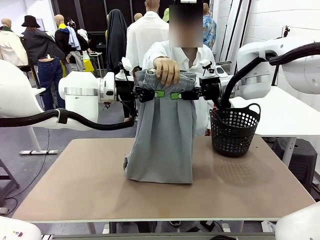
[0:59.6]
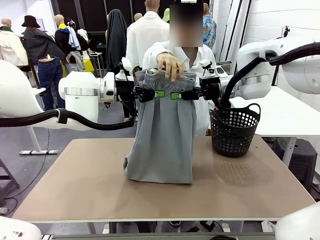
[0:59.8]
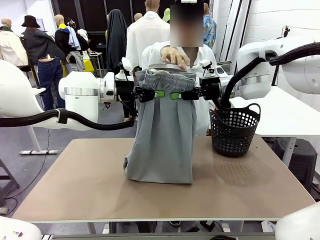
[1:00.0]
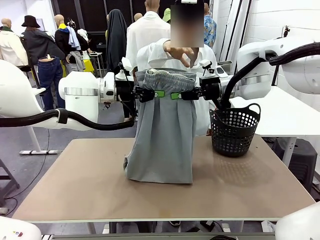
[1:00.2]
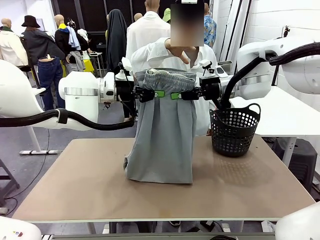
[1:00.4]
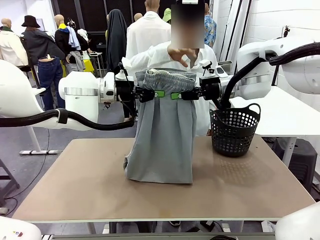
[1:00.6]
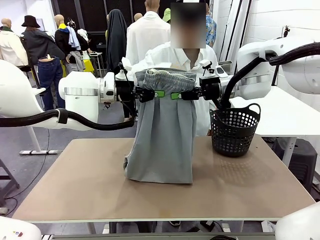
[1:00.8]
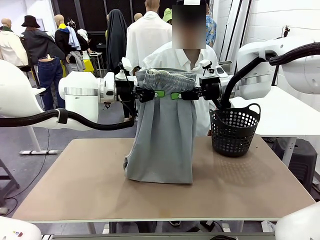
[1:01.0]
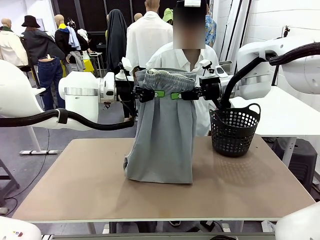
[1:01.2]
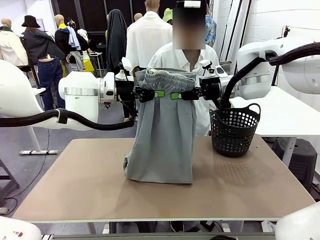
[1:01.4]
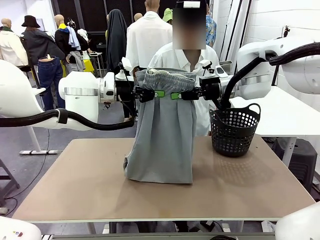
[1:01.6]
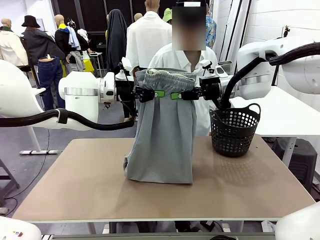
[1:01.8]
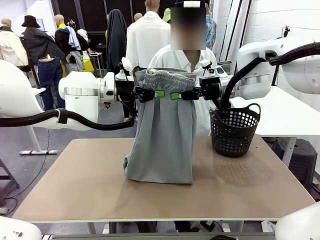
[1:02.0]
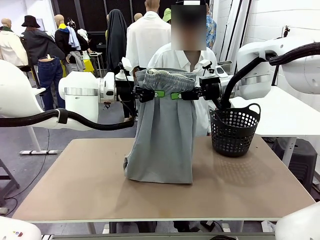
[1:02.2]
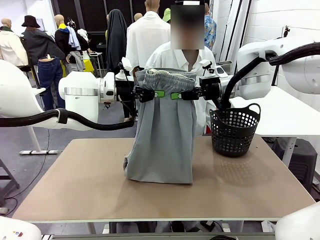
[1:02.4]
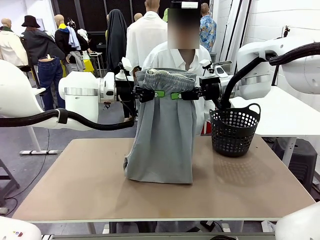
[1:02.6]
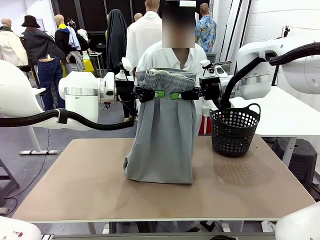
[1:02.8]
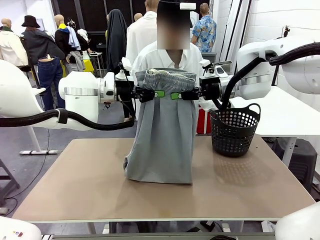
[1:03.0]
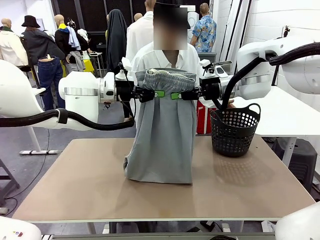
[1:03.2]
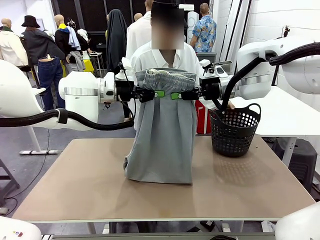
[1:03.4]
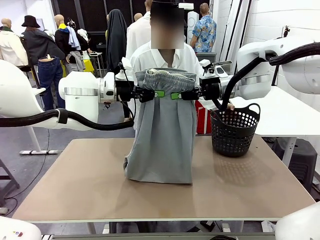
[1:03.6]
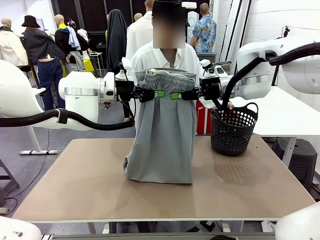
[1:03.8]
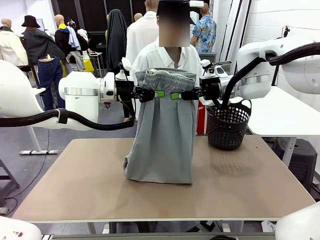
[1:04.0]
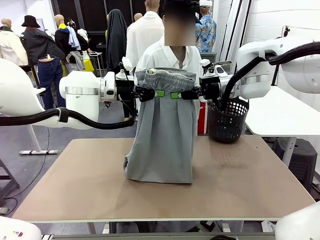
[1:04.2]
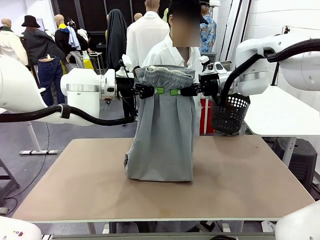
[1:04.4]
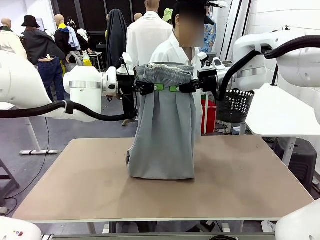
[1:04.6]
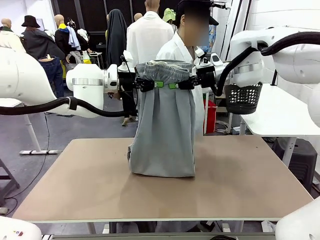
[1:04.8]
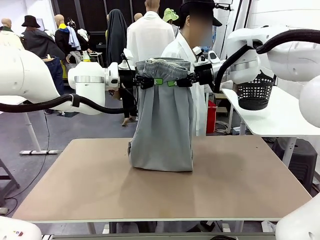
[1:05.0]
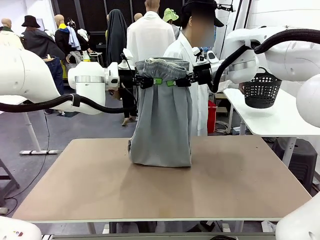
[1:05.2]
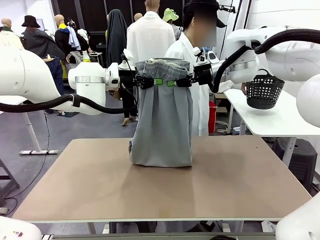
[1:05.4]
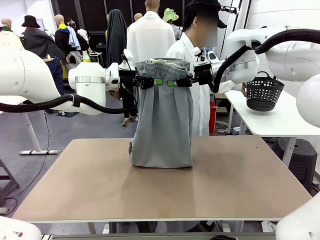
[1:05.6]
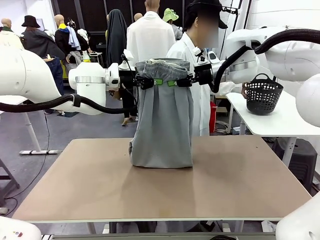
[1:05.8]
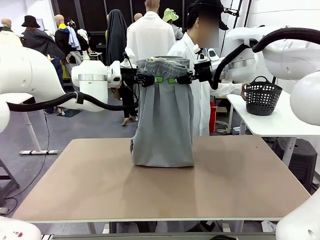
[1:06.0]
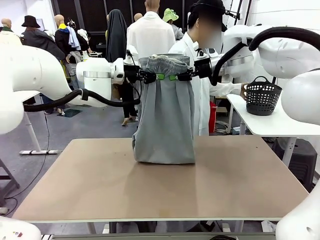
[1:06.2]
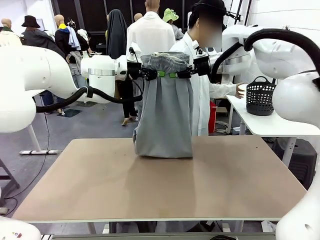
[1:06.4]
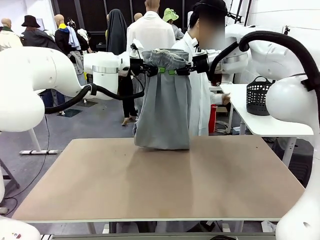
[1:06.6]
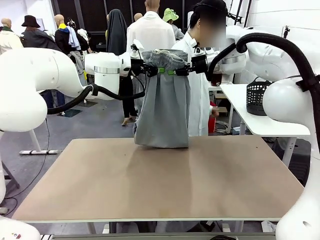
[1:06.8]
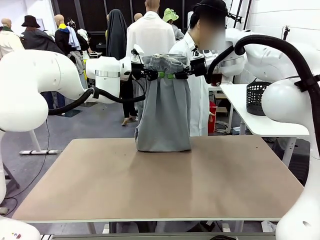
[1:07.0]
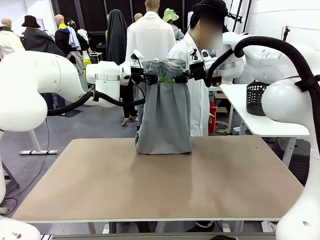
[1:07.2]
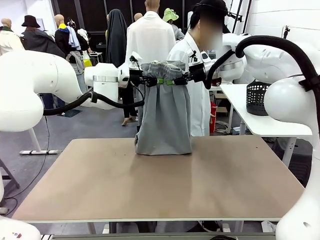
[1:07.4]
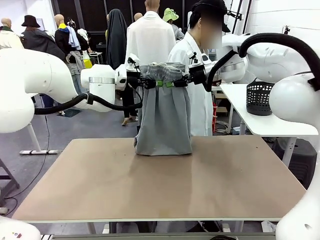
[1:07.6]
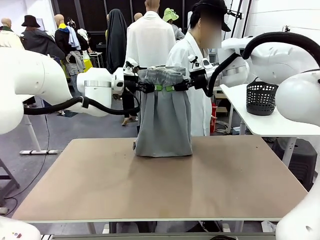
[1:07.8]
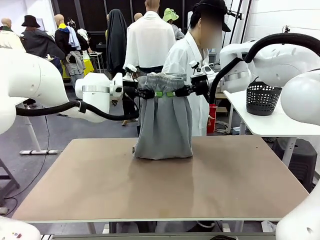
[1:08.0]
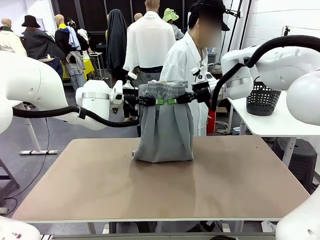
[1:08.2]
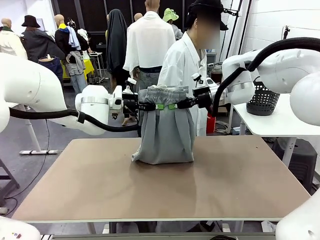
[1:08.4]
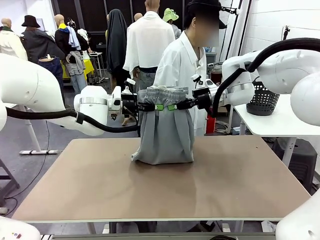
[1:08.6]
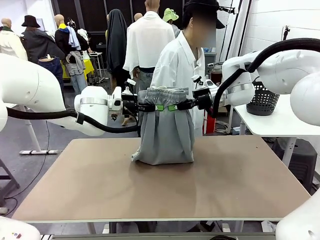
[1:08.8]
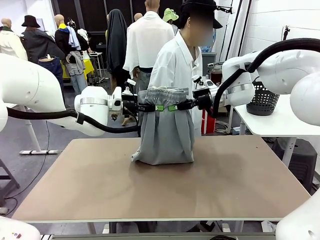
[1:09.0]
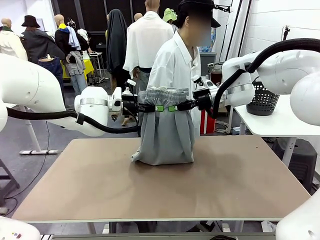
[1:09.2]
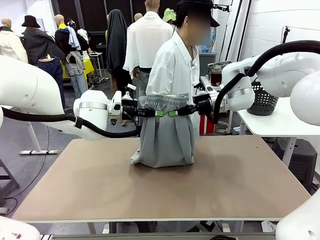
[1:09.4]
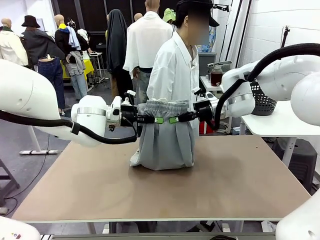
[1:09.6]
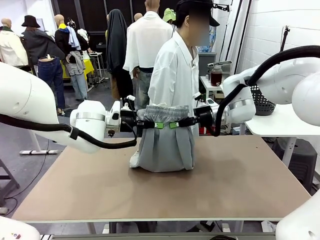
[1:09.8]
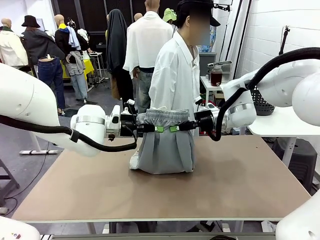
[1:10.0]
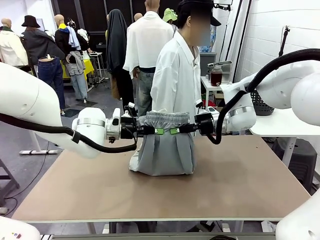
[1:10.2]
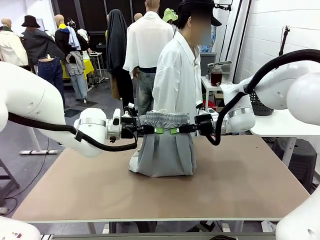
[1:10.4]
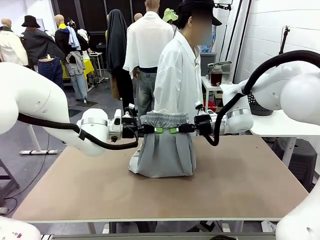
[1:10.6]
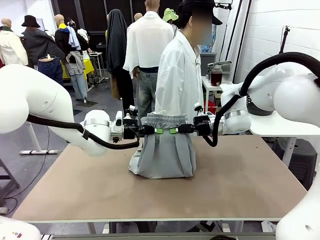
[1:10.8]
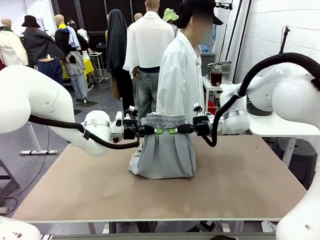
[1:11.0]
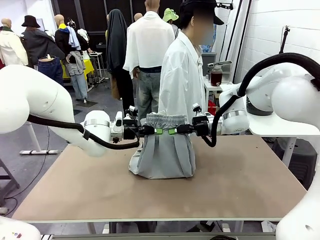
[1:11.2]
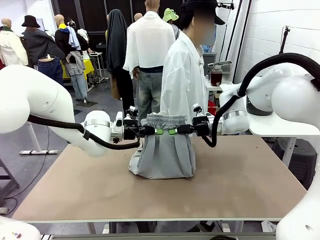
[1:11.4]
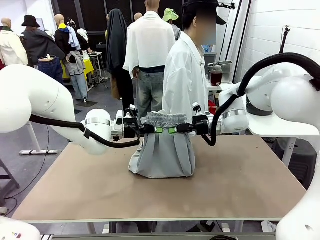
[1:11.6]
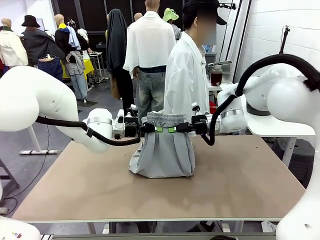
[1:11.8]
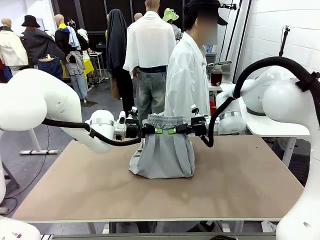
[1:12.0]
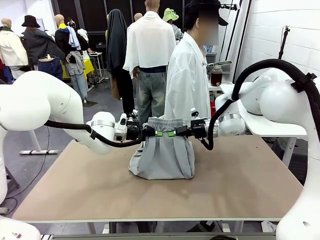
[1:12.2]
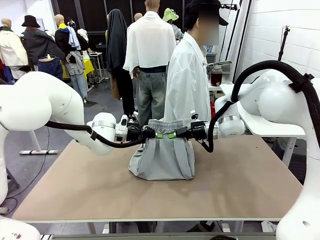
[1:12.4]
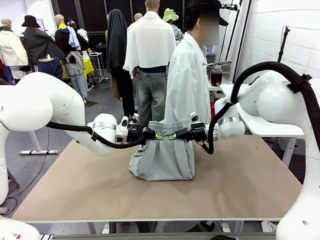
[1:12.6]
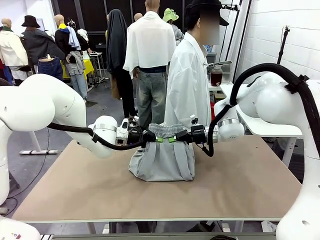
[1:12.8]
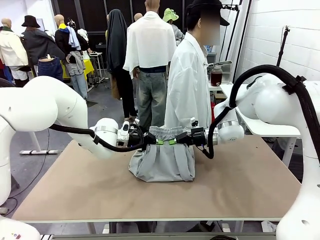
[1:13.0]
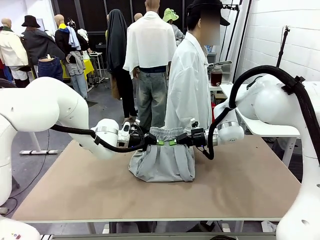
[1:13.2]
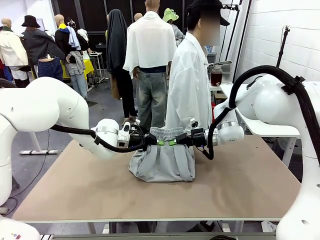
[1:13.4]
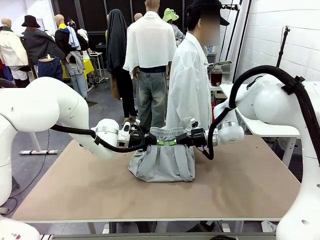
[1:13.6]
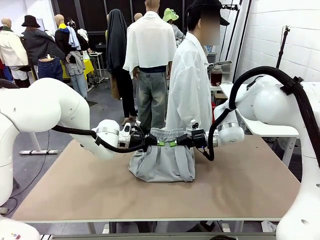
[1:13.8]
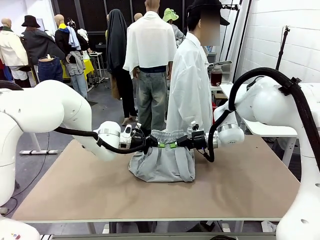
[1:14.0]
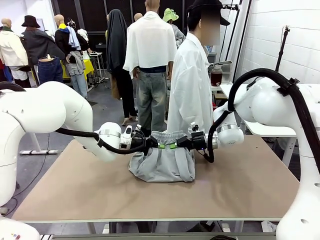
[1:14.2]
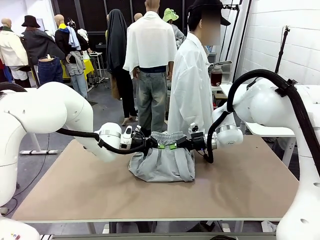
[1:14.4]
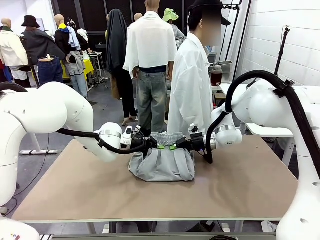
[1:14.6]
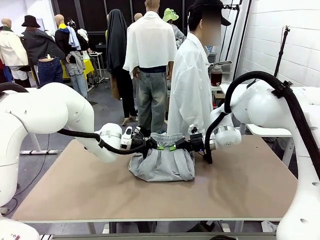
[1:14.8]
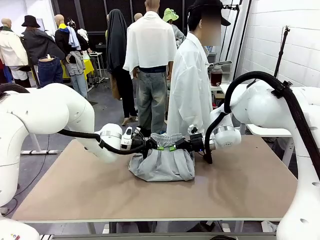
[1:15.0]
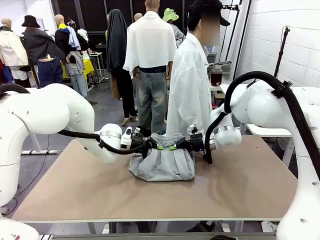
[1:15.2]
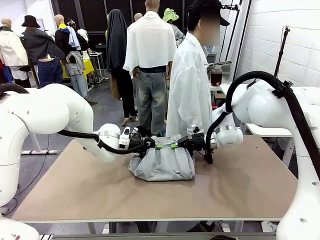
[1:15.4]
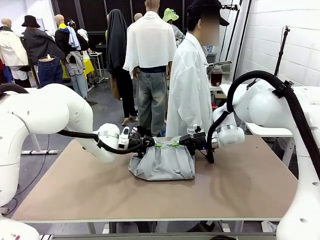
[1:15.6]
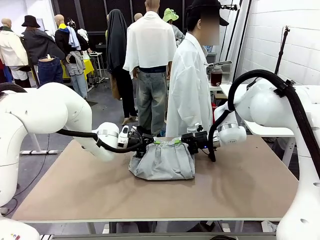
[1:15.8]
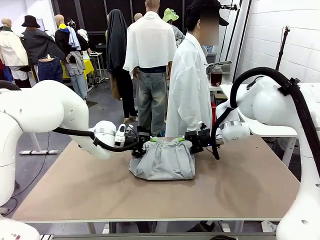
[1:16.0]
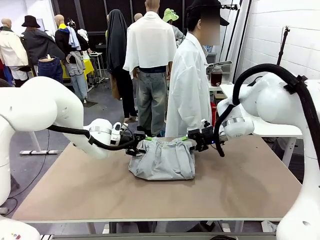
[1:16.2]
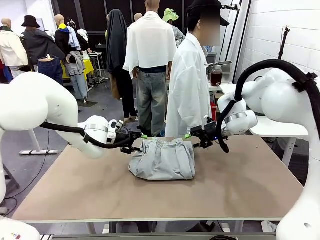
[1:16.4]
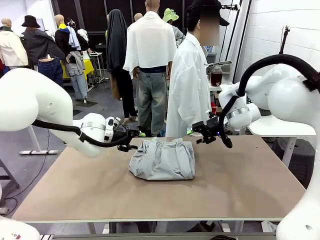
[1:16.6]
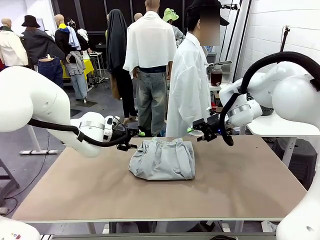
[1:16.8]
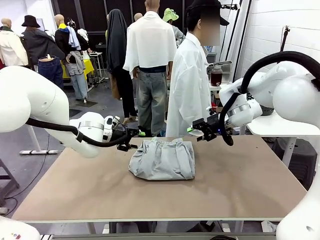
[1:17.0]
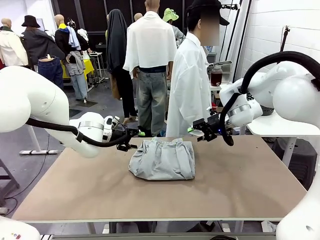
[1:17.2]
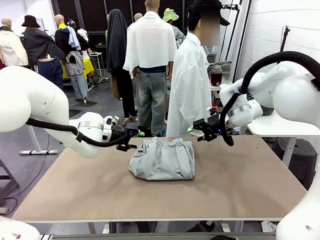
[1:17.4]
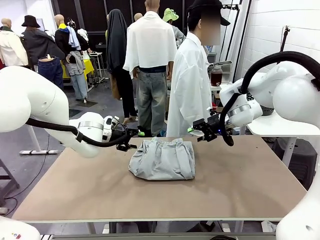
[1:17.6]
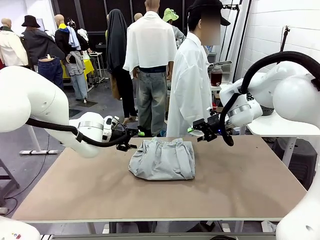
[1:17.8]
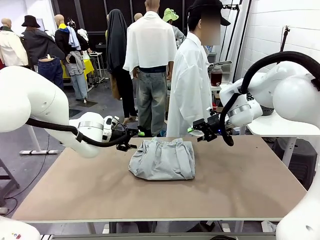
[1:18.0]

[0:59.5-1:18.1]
Task: Fold the training pants.
Robot: Fold the Training pants in half.
Person: Move the laundry basket to the right of the human table.
